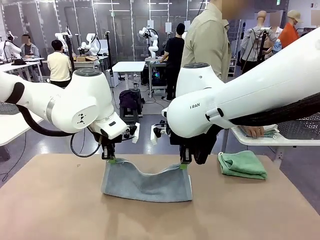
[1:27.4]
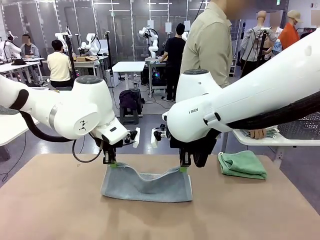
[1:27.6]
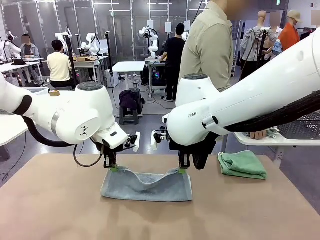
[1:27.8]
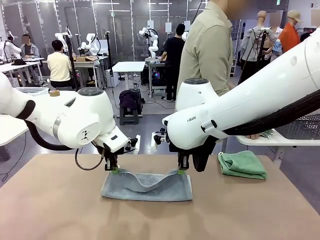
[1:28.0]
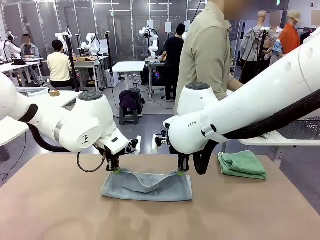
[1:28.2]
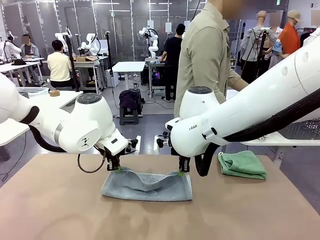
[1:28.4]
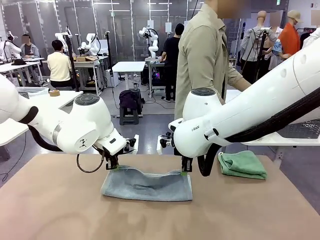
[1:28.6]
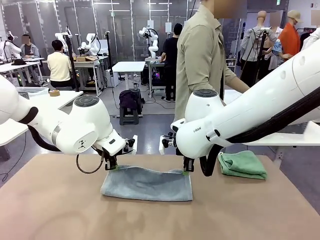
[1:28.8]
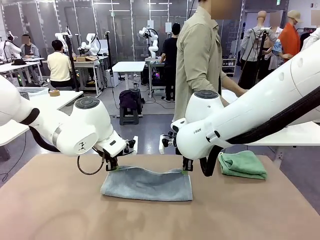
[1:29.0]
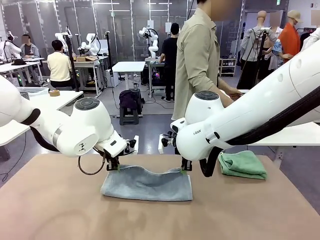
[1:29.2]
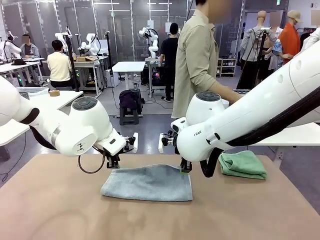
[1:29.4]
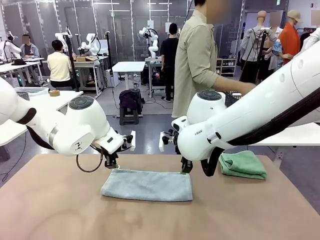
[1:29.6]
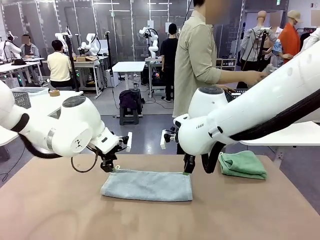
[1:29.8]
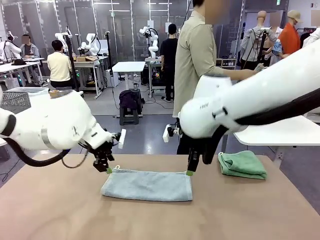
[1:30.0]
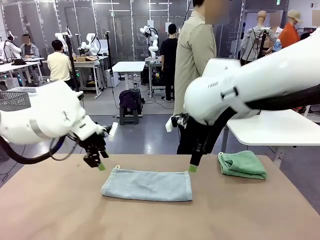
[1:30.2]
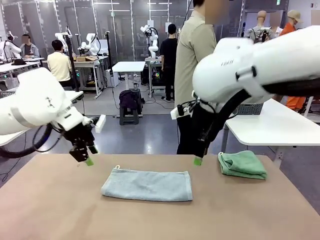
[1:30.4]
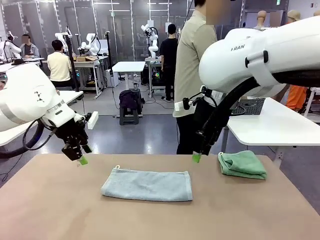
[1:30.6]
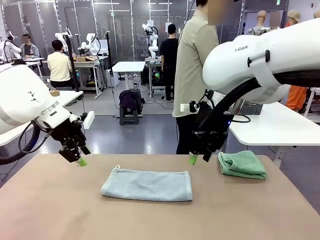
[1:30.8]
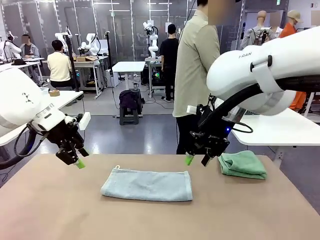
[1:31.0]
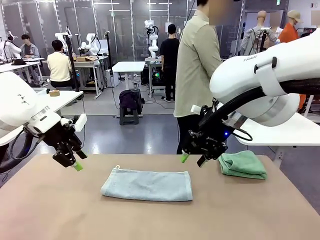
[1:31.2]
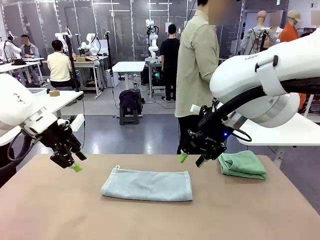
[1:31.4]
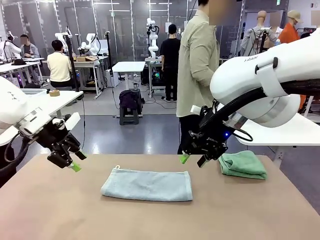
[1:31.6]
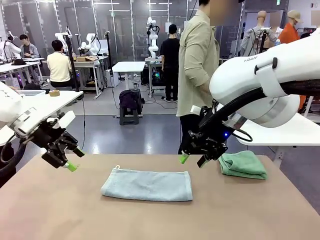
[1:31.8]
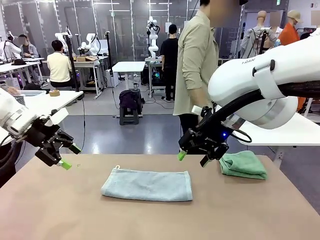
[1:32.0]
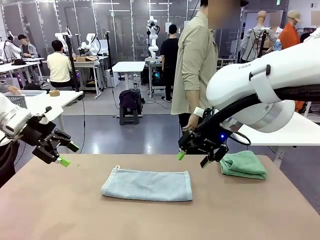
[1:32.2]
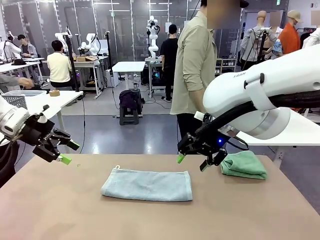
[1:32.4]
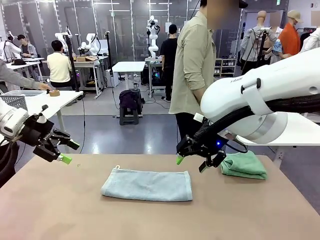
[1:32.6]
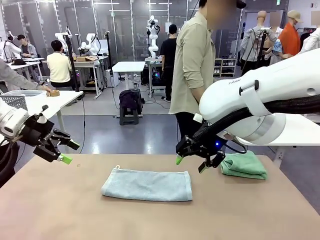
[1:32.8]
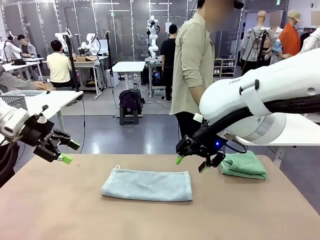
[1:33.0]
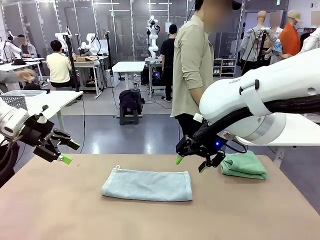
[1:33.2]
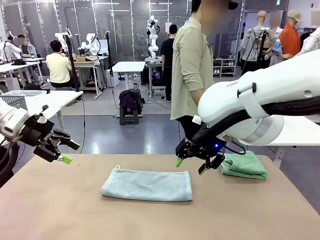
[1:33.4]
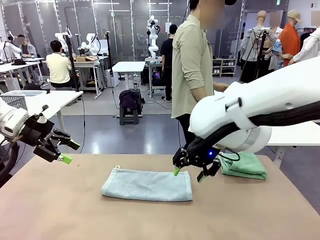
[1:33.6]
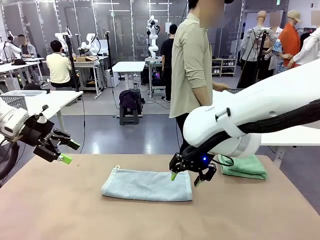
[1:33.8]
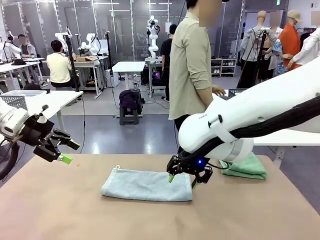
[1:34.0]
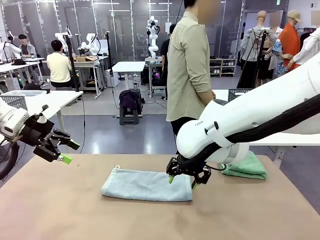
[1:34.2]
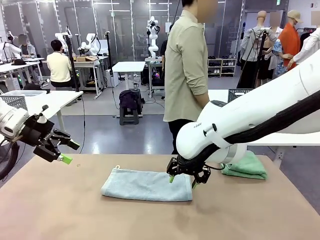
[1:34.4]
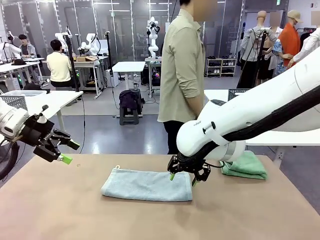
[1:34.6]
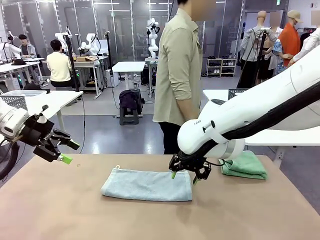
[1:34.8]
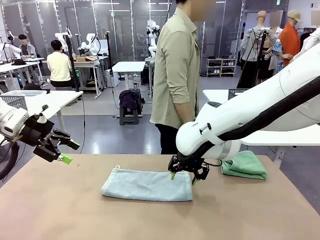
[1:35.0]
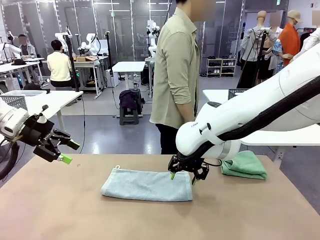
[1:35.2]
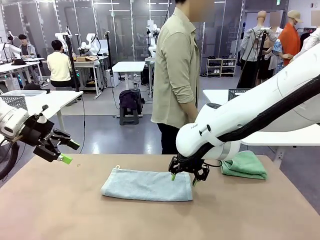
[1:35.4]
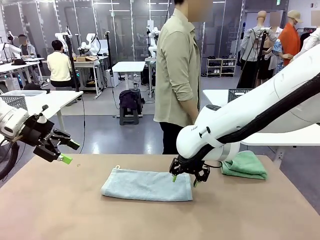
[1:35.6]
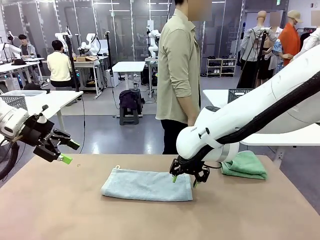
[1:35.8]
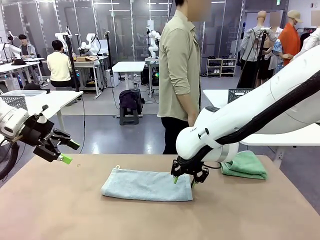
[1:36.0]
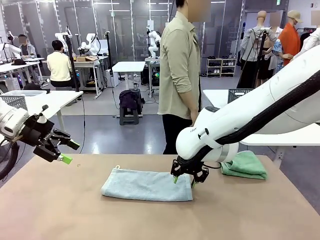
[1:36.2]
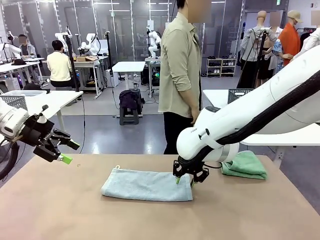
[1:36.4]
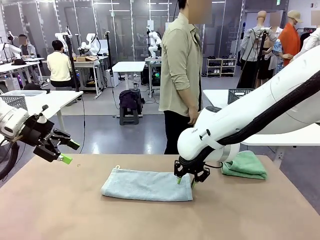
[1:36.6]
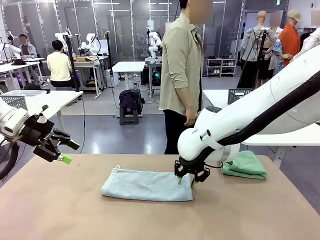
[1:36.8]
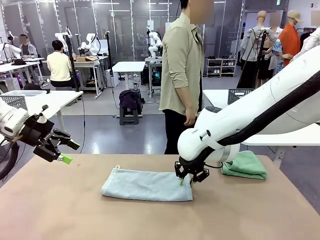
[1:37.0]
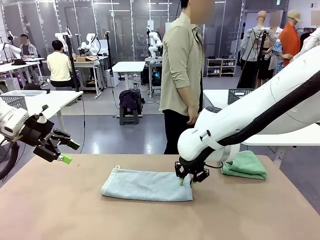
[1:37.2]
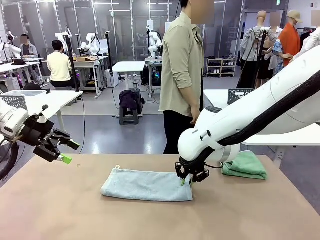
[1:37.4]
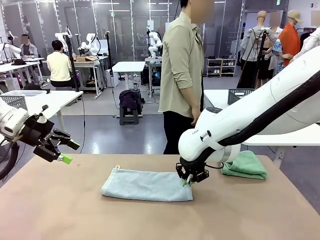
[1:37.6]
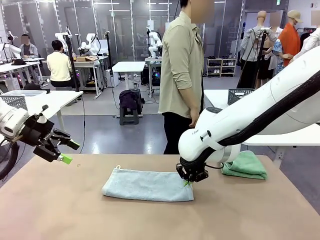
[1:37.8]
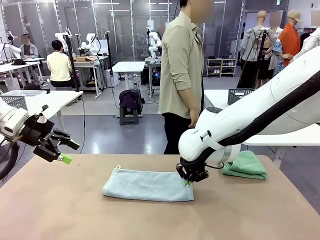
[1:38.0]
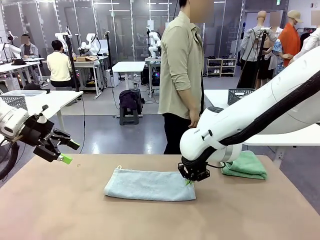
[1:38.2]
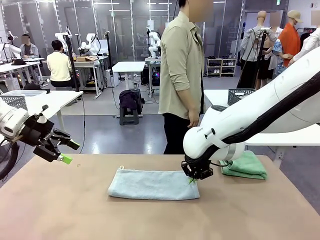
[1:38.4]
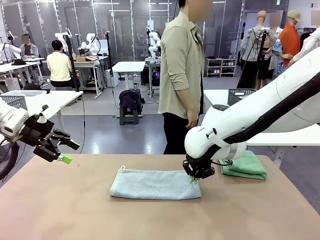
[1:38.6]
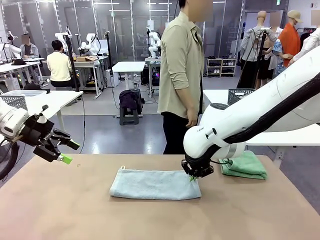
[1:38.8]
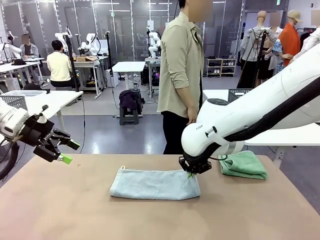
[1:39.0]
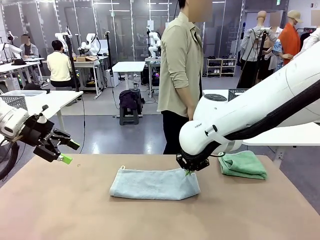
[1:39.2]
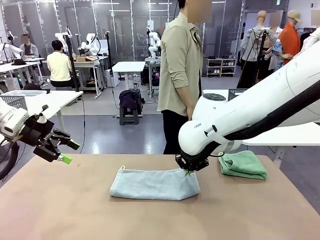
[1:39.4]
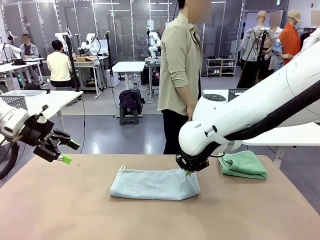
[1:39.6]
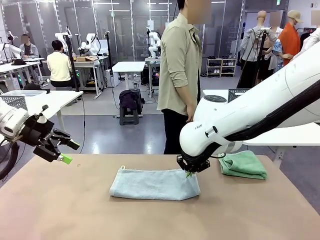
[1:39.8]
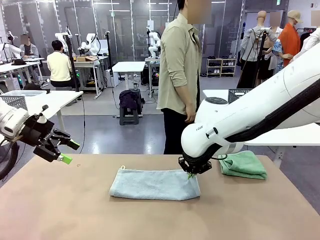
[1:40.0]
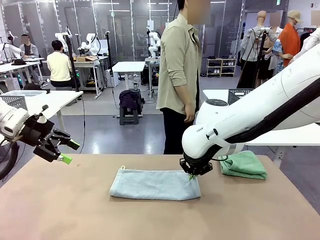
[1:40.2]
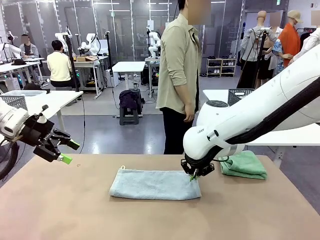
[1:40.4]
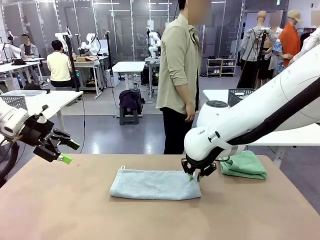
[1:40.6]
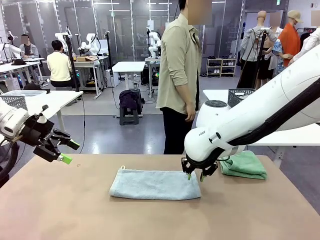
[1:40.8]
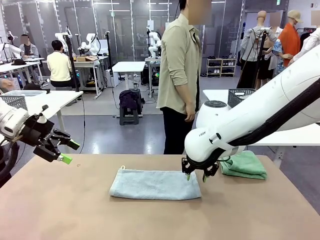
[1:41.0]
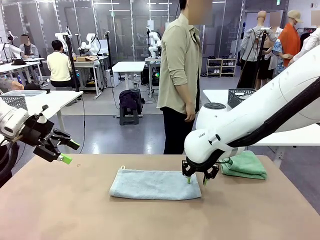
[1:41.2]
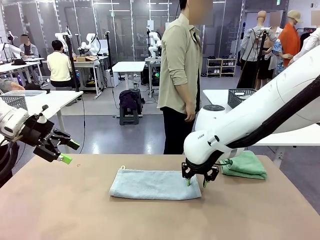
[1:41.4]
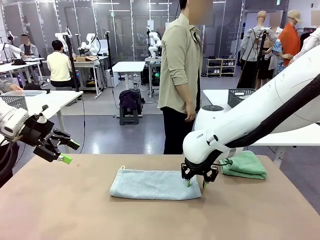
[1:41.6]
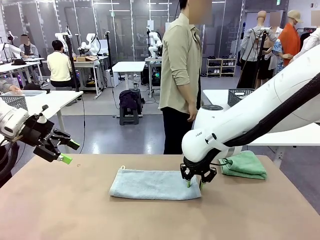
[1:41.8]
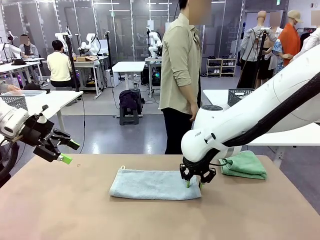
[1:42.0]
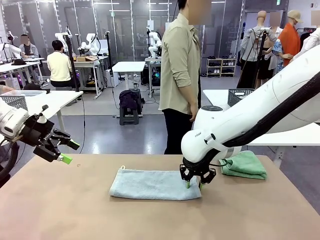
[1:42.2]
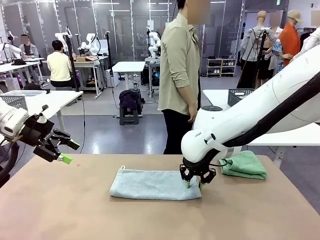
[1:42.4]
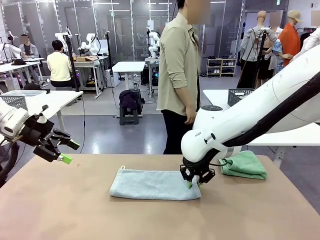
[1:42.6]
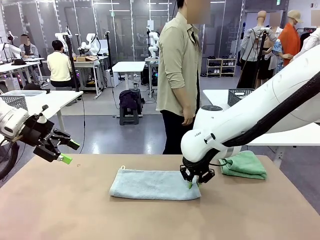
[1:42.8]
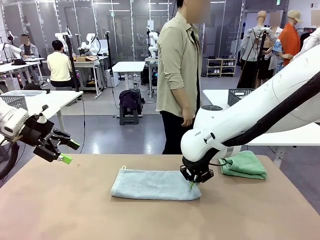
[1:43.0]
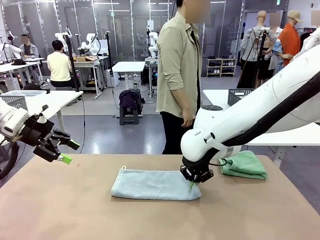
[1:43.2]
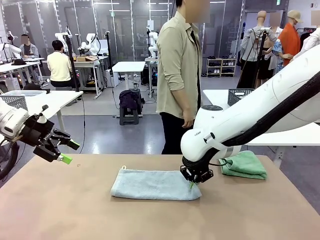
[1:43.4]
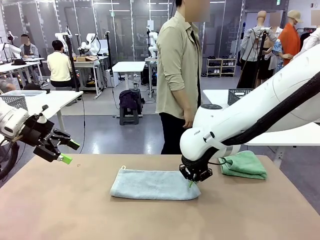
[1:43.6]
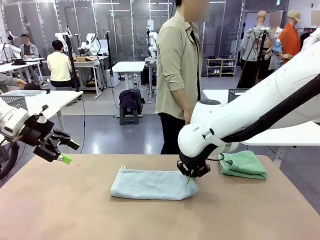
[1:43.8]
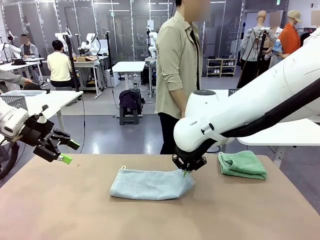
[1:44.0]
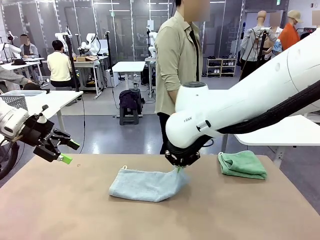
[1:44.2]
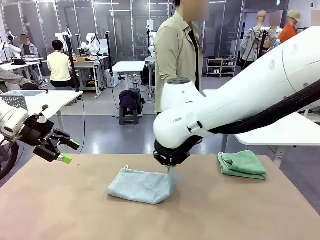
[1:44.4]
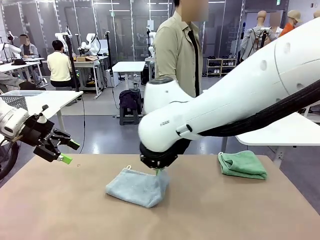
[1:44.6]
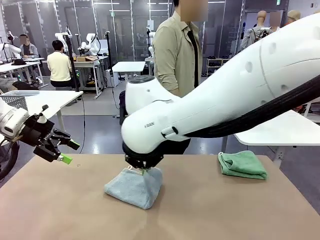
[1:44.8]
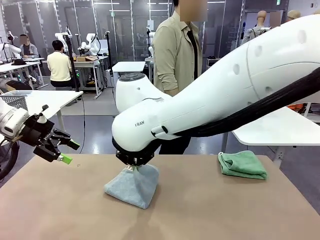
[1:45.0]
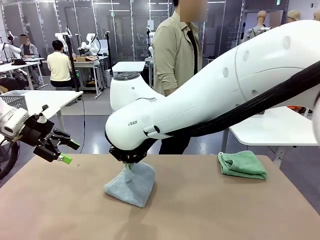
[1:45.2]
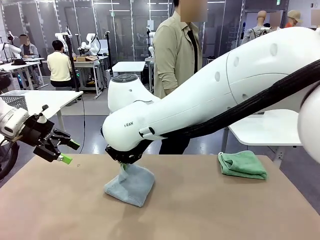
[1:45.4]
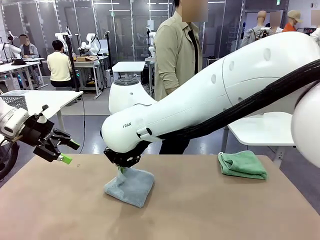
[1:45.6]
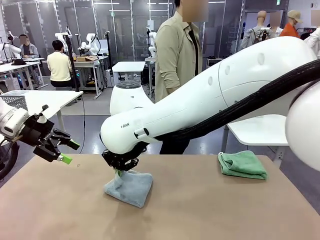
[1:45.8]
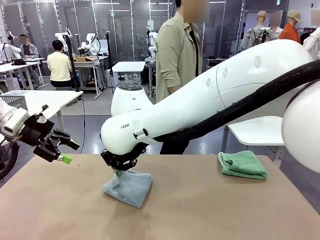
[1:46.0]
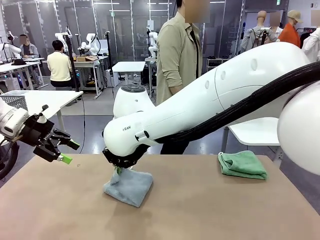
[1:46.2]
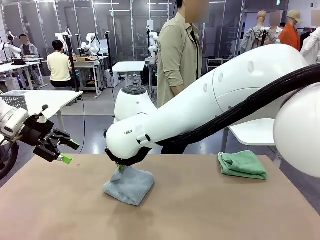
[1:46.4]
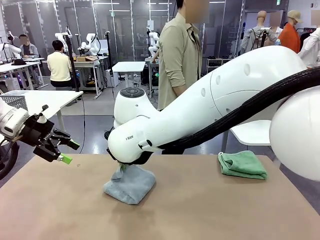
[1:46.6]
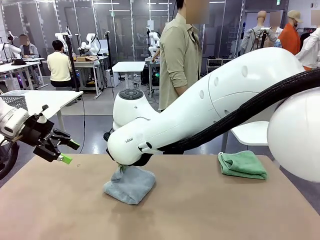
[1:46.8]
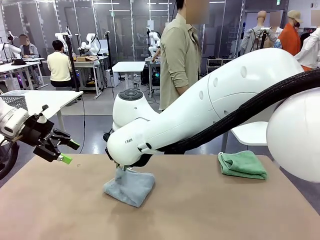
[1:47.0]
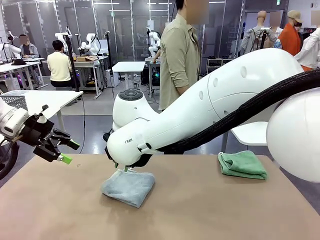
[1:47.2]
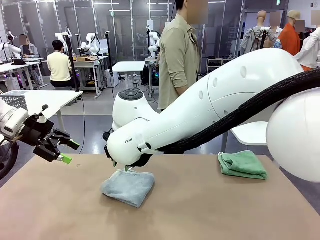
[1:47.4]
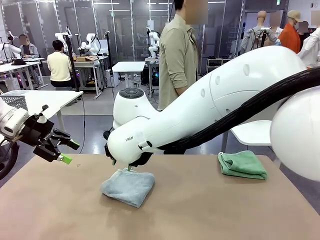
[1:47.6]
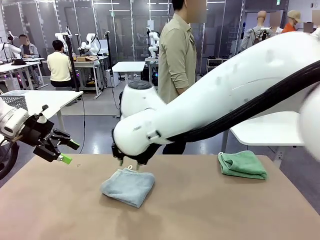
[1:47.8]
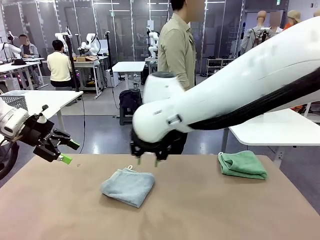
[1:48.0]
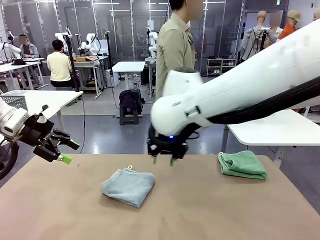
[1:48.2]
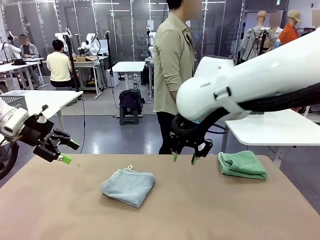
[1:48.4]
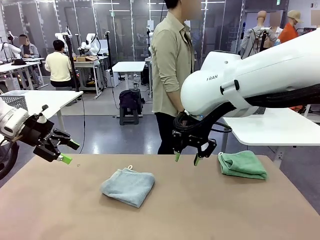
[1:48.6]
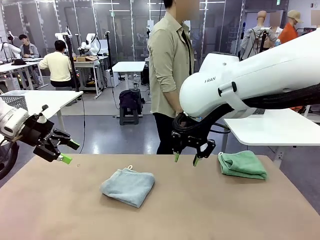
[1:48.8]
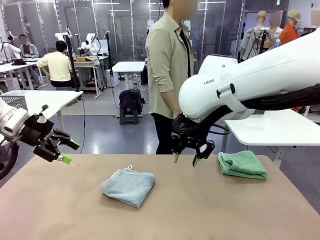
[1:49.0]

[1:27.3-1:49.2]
Task: Fold the towels and place them in the basket.
Robot: When a person lays out a Towel with hook on the table, fold it in half twice.
Person: Pick up the stack of towels from the right side of the human table, place it into the basket, and put the basket at the center of the table.
